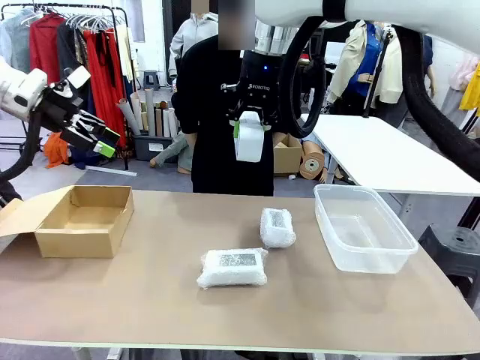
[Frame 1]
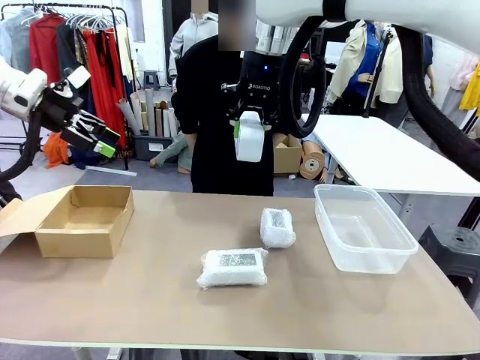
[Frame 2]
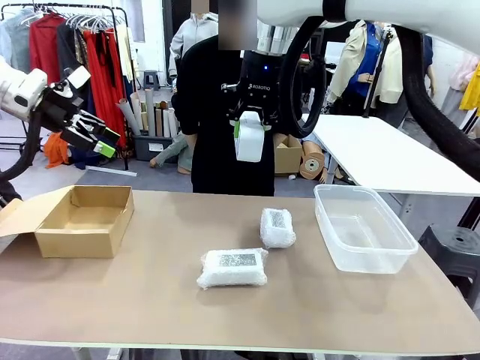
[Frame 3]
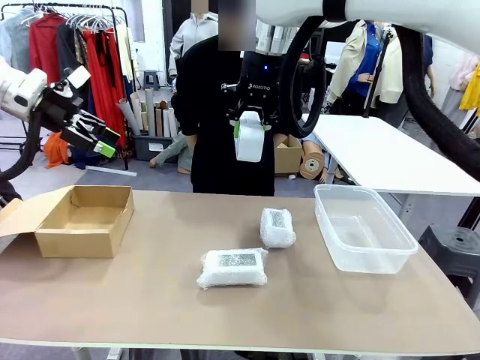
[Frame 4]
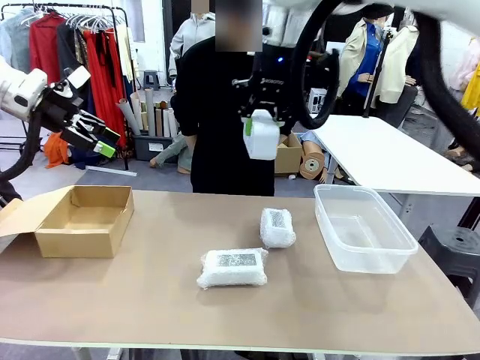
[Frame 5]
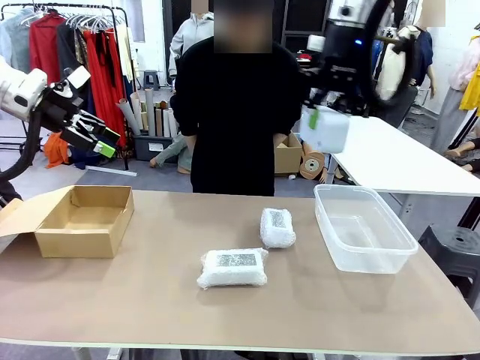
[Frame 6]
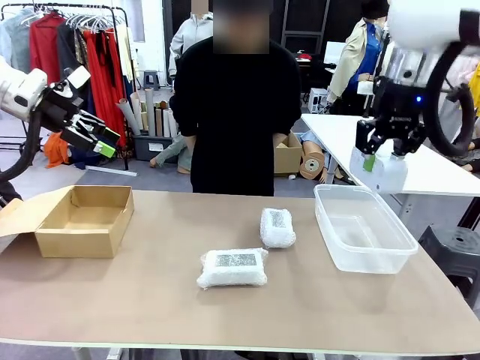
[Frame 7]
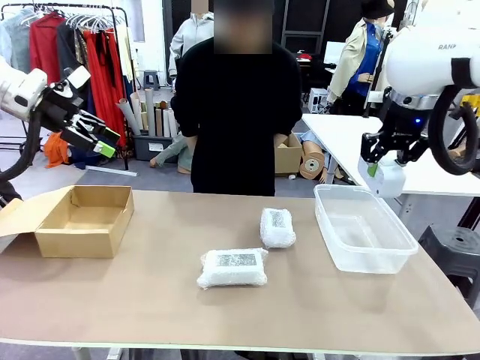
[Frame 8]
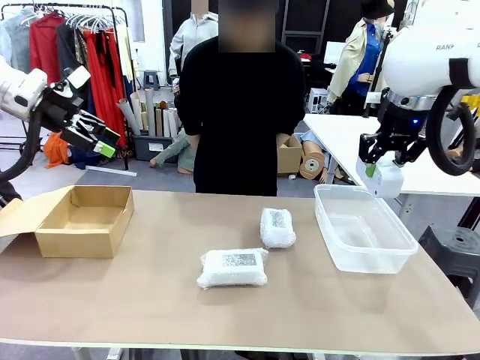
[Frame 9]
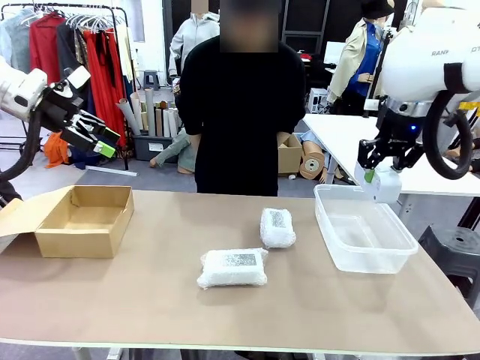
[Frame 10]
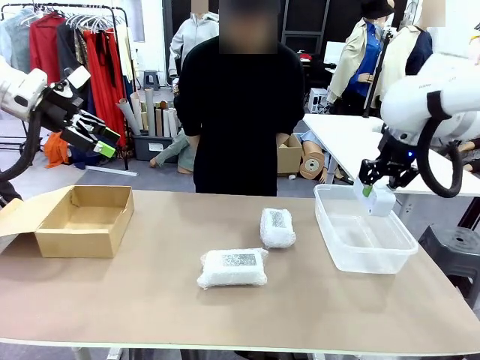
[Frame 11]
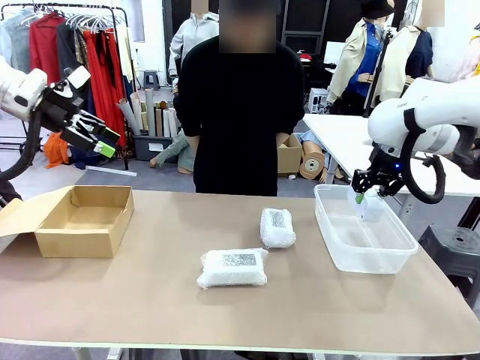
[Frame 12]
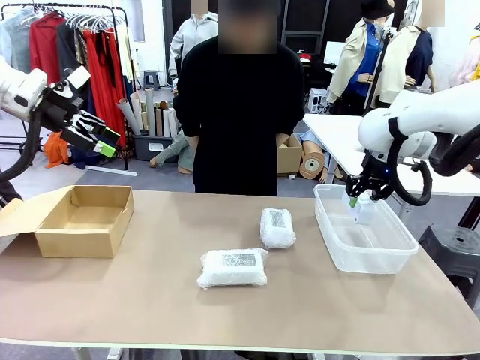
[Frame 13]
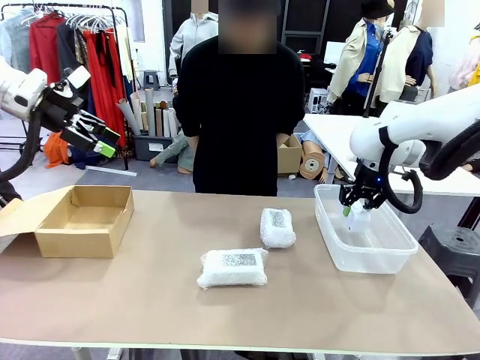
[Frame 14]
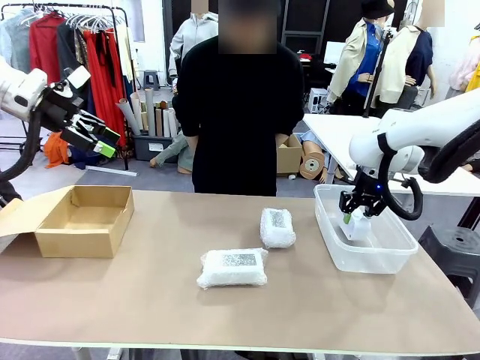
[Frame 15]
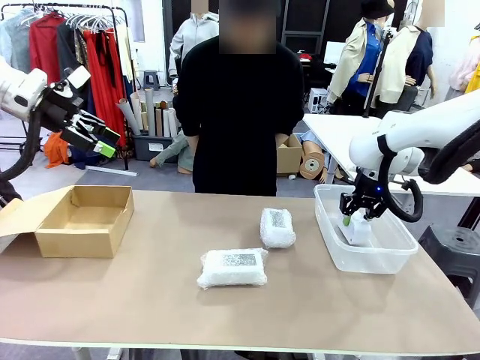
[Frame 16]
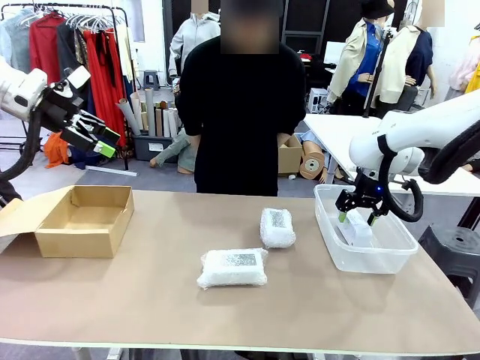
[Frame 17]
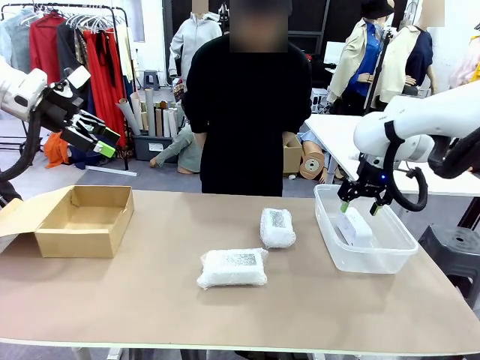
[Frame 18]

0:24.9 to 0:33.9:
Task: Separate and place wrapped and unwrapped clocks.
Robot: If the picked Digital clock is wrapped, place it in the Package Box ; if not, place it in the Organizing box.

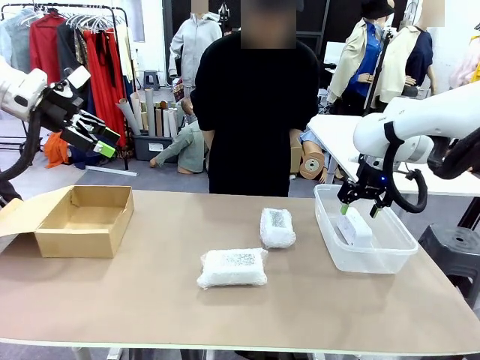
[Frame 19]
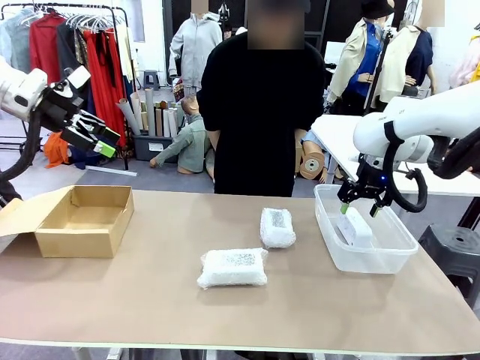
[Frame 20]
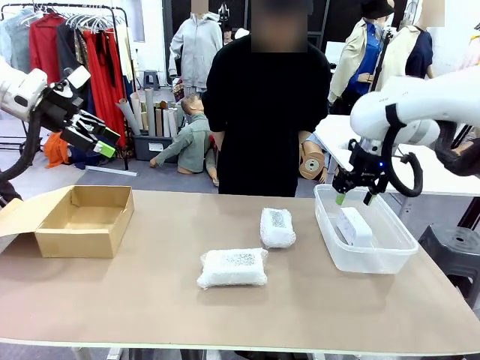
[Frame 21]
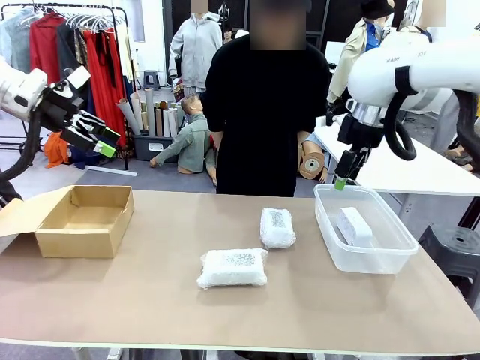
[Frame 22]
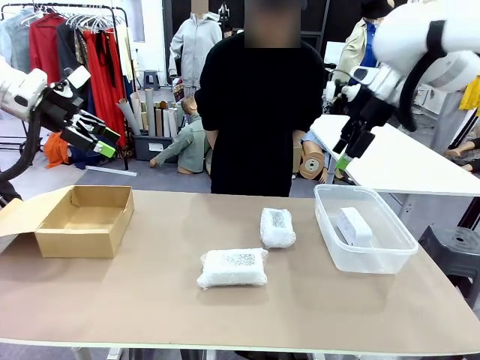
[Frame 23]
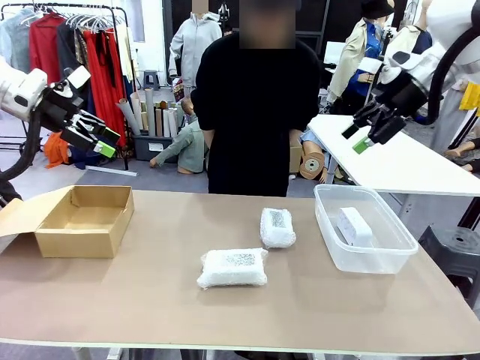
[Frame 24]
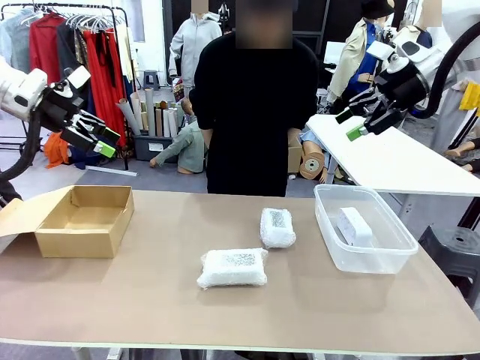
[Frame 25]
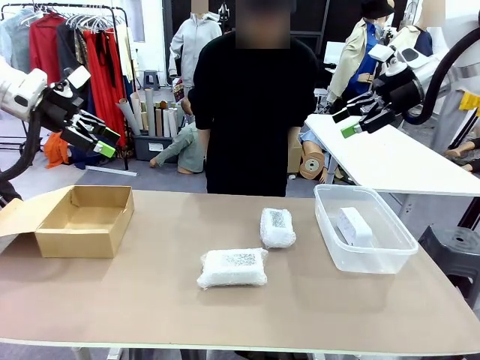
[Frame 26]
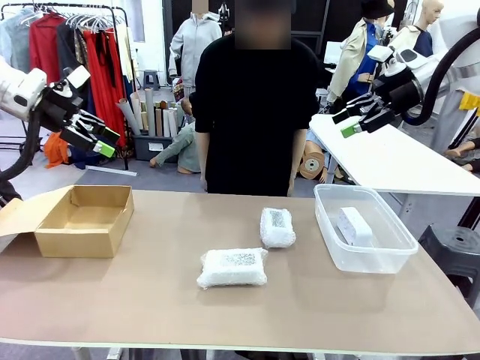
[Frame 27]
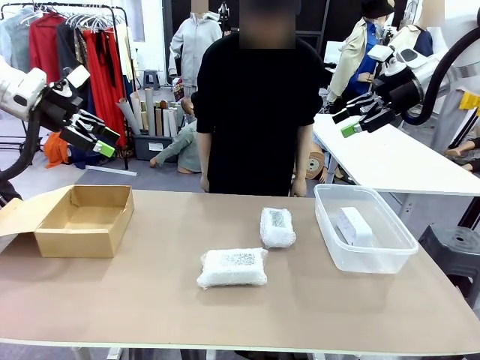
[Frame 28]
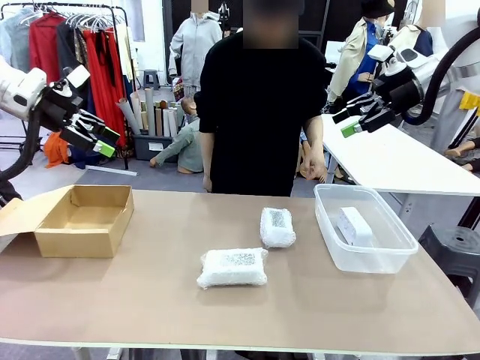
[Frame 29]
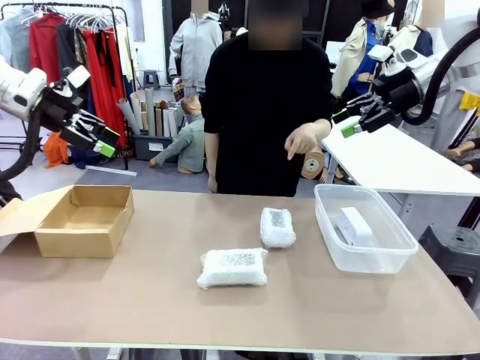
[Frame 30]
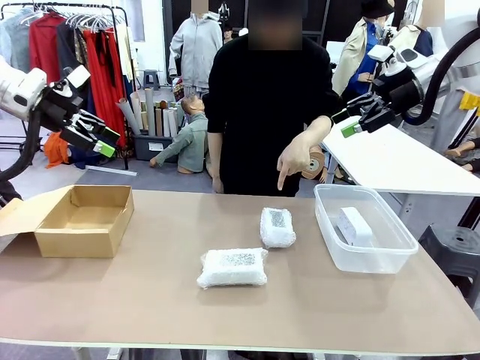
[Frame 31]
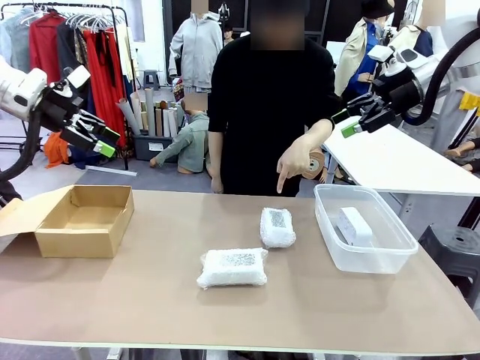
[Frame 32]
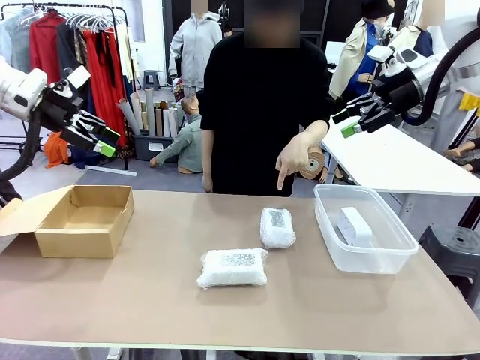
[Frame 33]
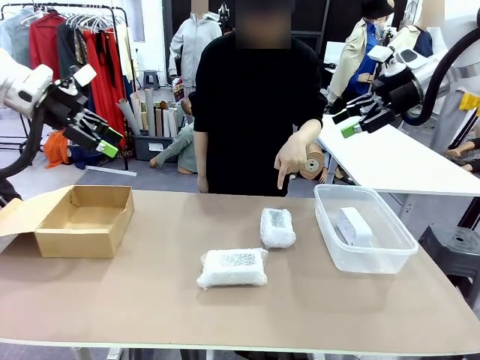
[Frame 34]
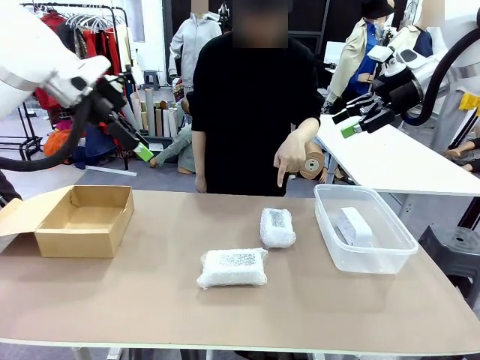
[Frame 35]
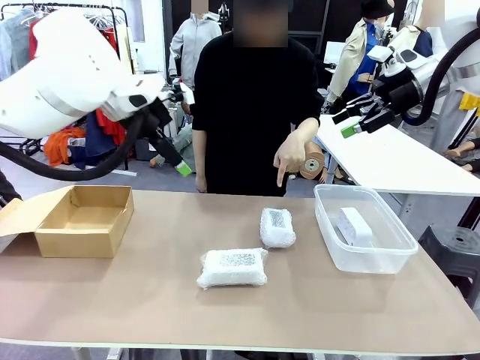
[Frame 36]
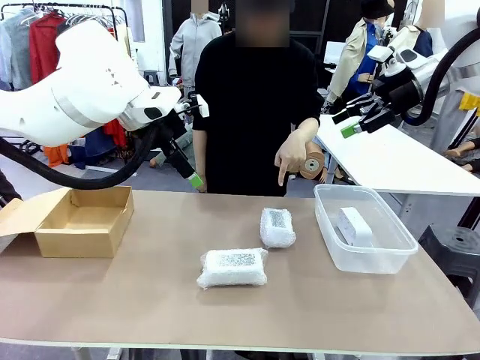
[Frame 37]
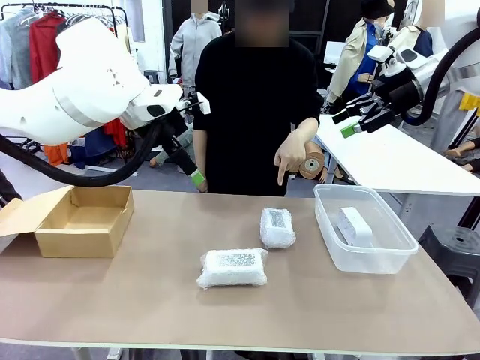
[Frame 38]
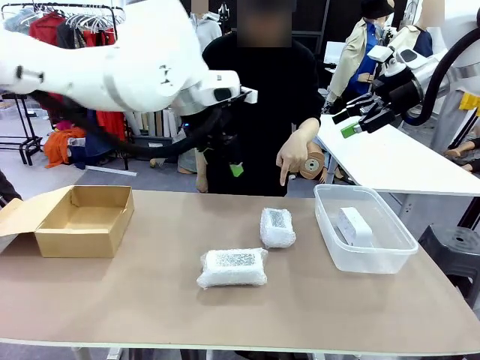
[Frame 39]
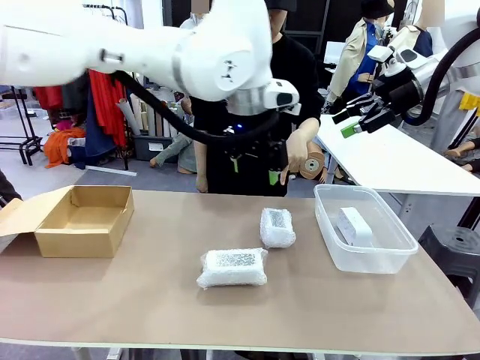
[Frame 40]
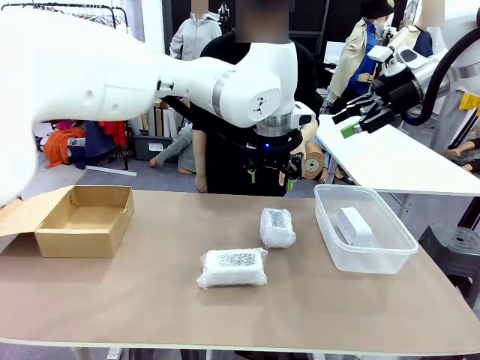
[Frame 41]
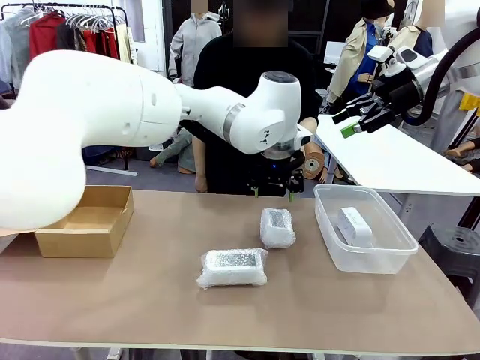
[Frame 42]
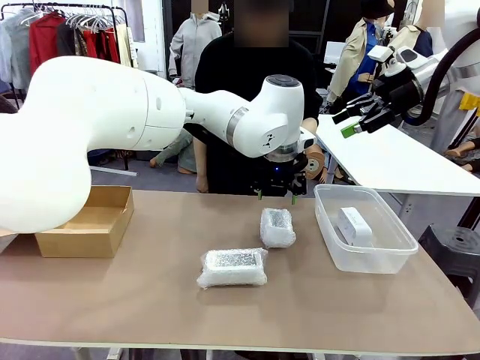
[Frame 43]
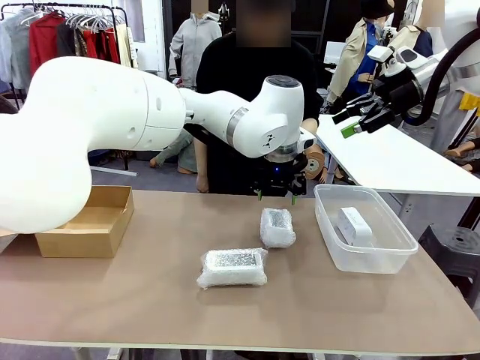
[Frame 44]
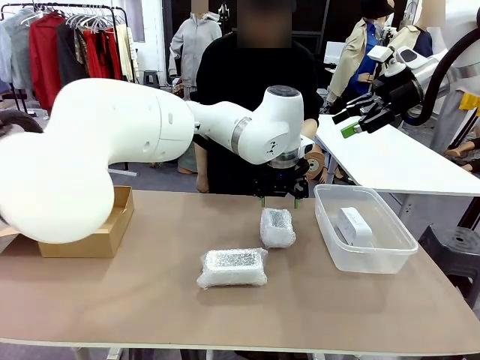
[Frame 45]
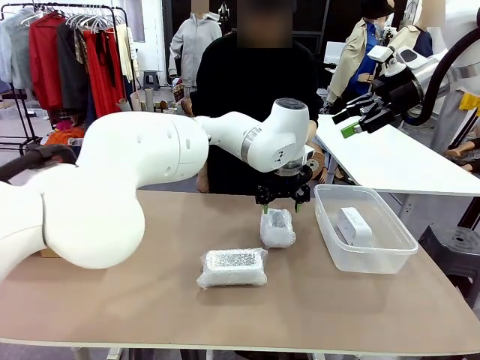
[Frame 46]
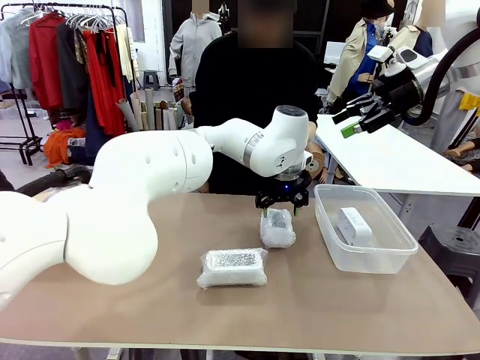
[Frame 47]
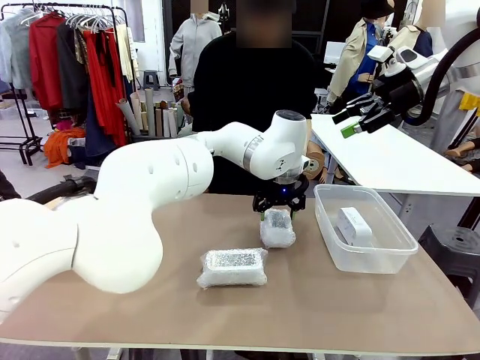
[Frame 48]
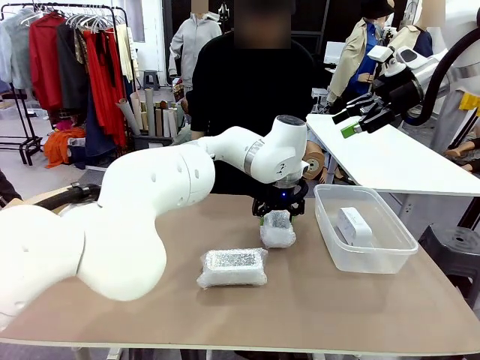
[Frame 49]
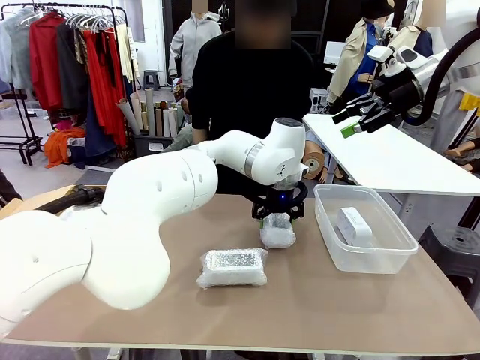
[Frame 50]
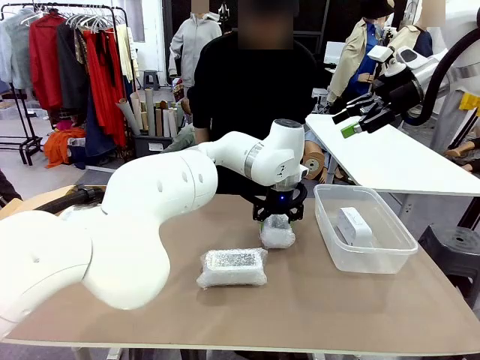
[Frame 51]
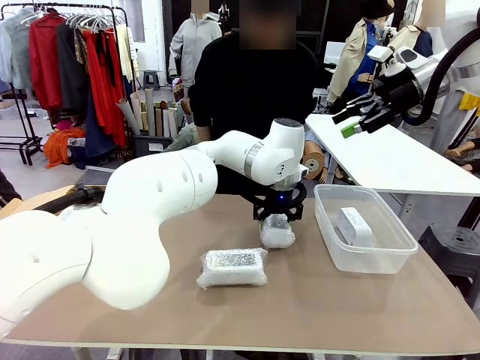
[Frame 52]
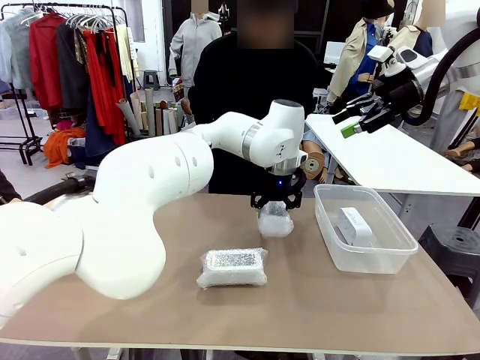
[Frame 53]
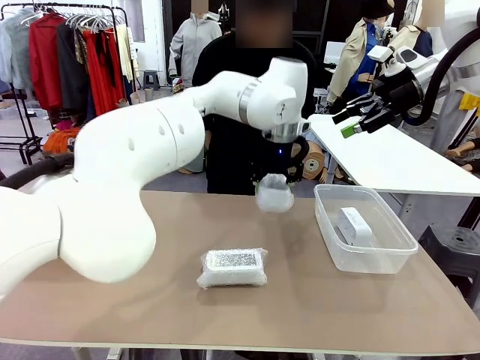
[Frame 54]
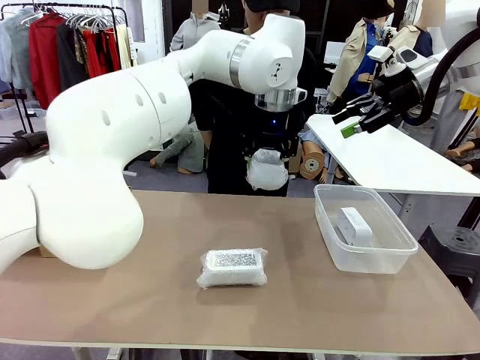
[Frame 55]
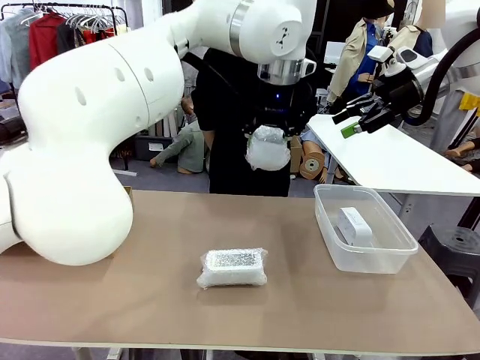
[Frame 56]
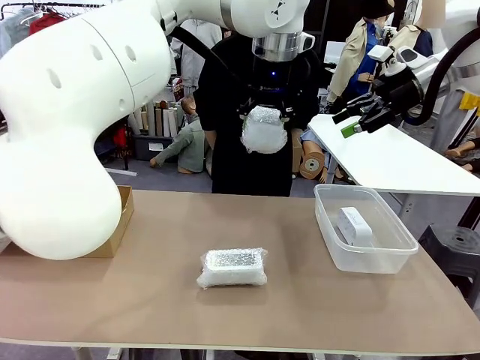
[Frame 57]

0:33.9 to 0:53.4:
Robot: Pick up the Digital clock indicated by the person.
